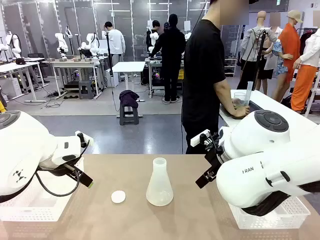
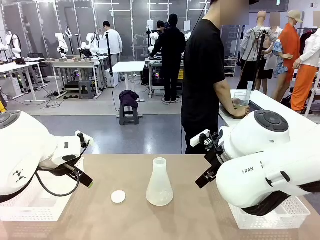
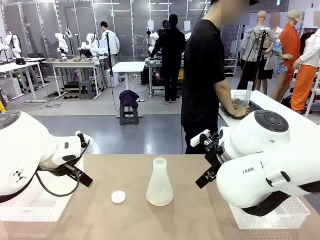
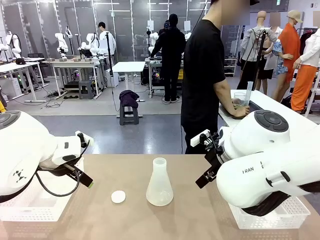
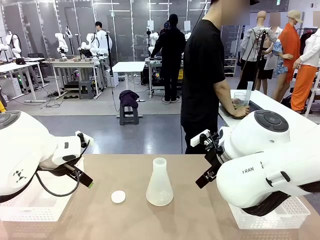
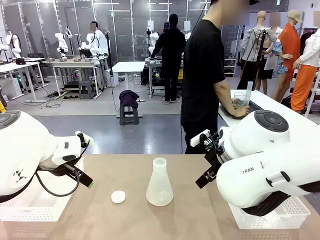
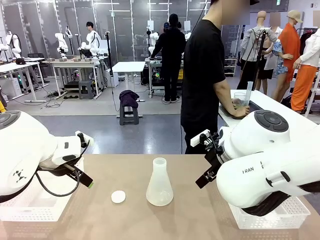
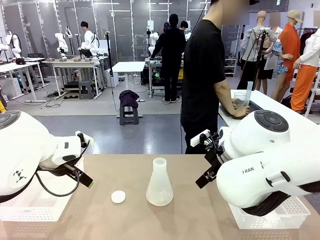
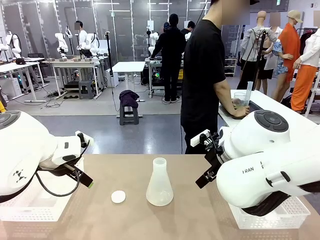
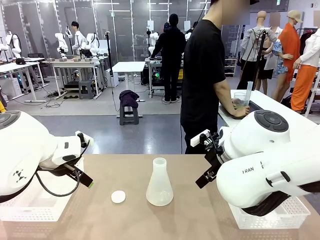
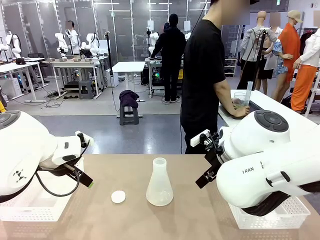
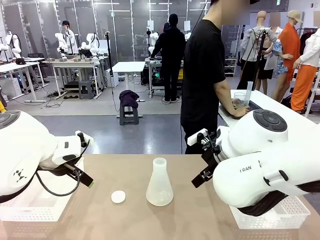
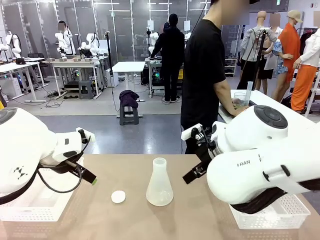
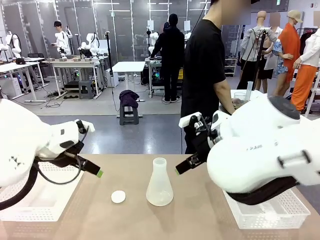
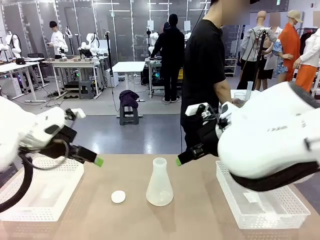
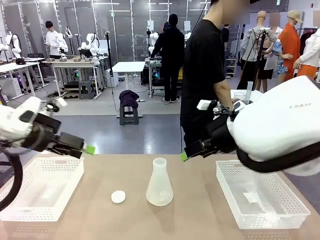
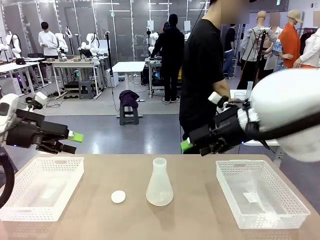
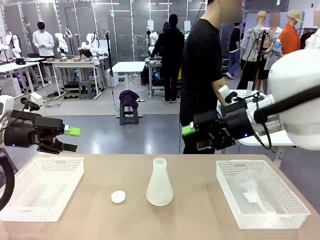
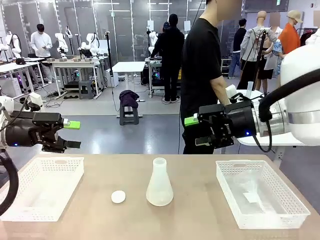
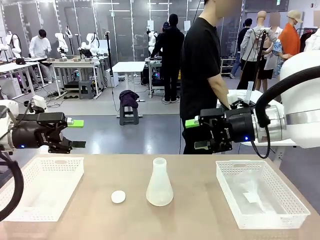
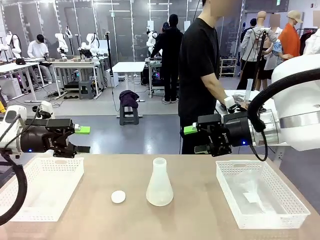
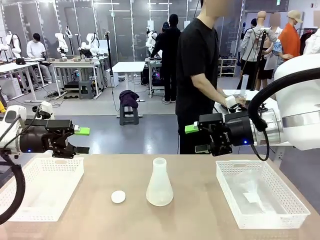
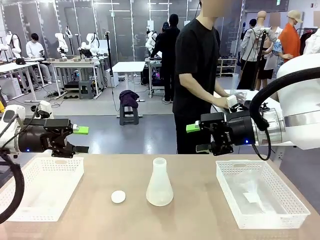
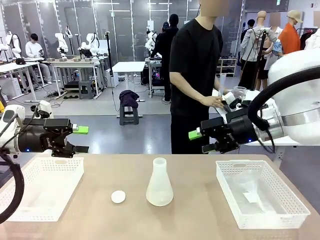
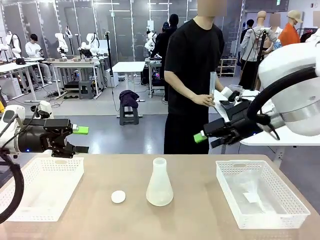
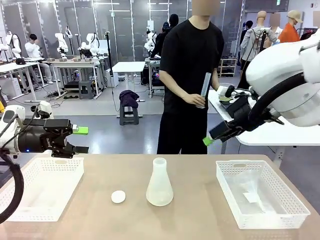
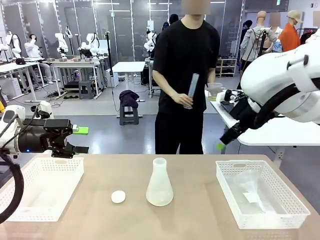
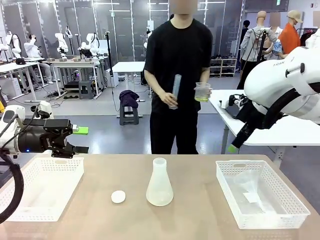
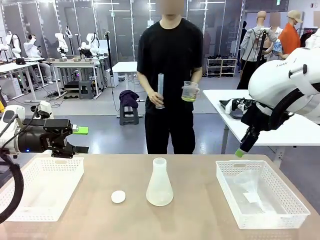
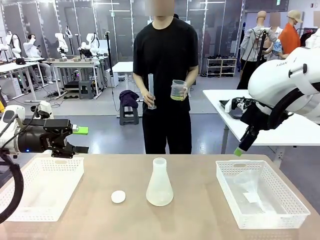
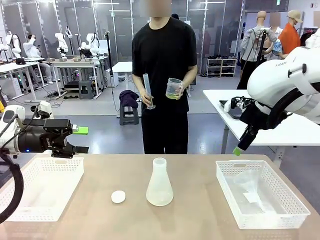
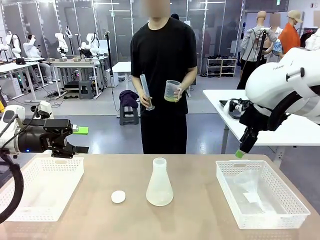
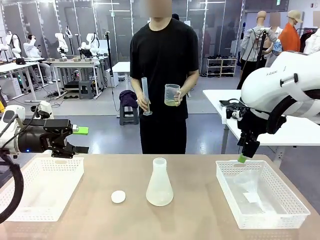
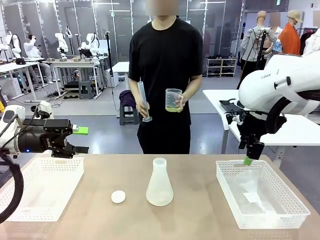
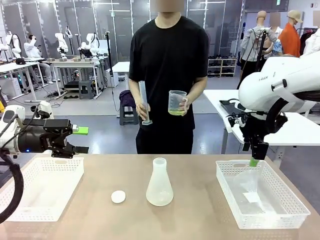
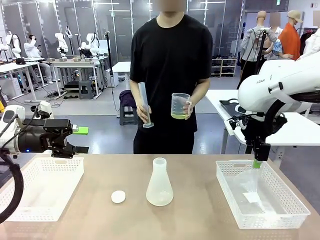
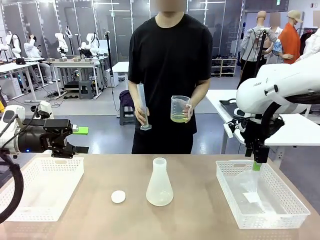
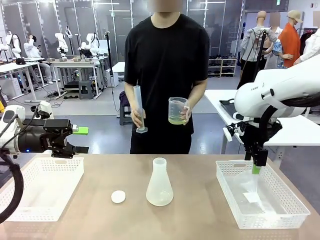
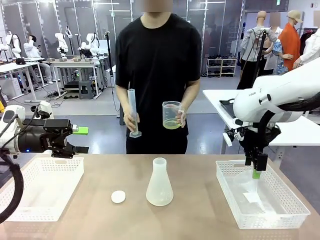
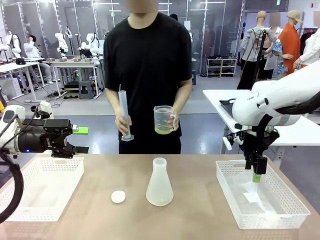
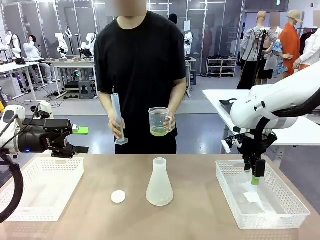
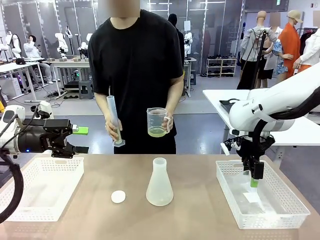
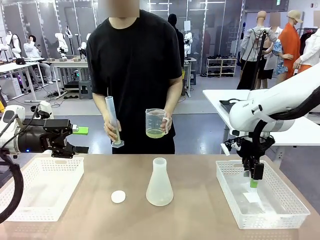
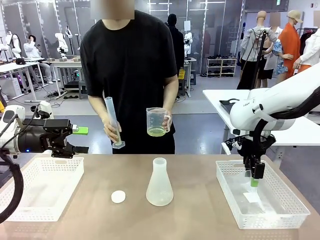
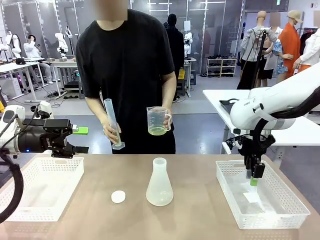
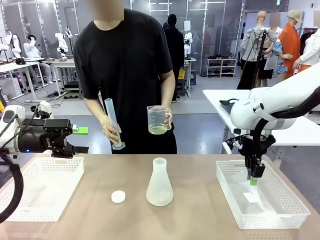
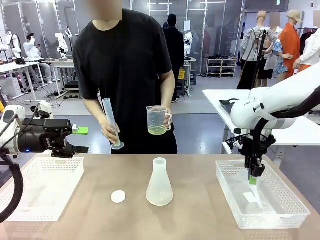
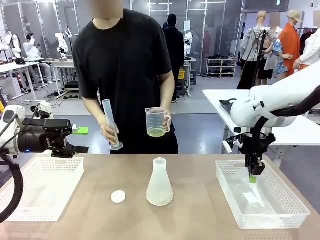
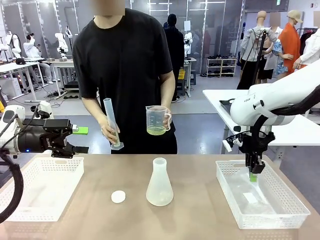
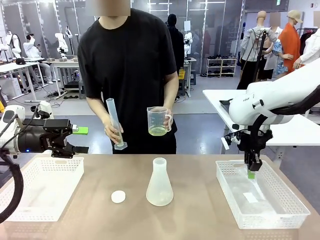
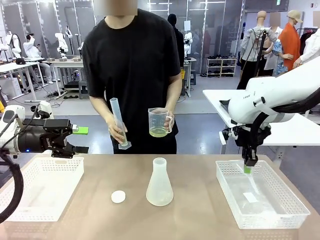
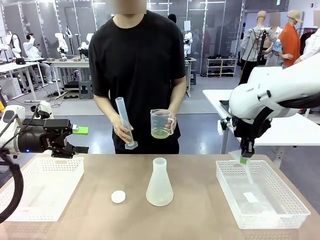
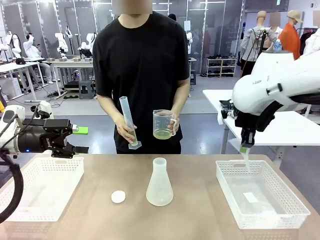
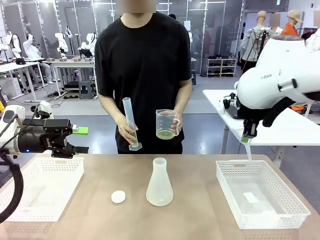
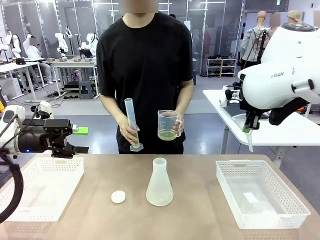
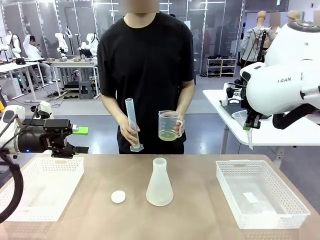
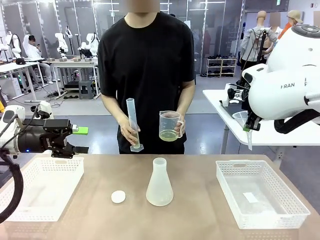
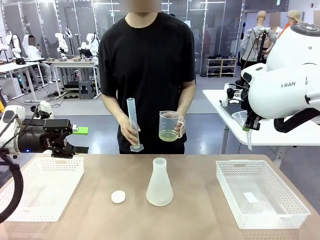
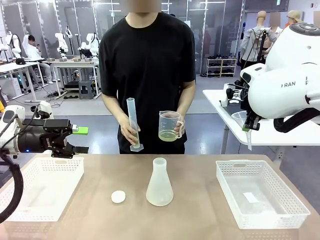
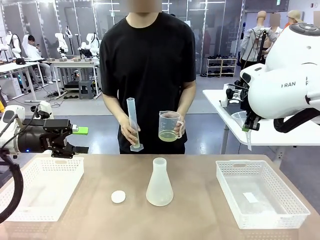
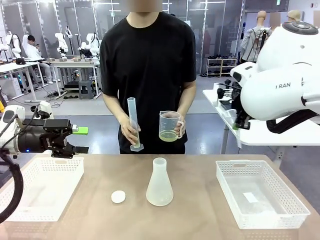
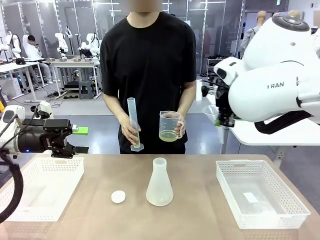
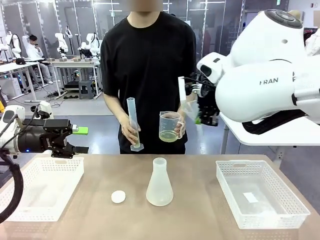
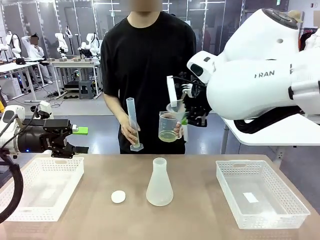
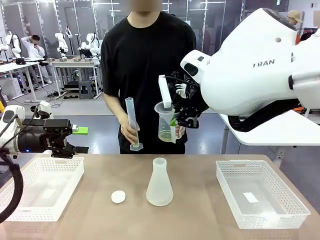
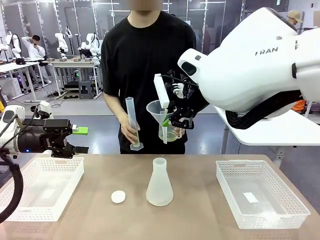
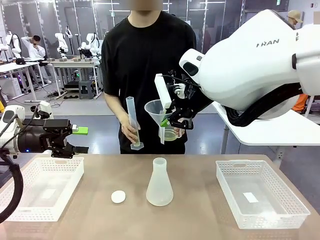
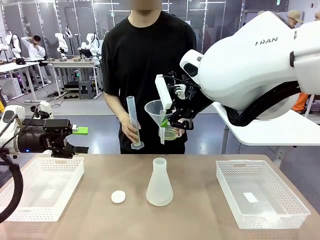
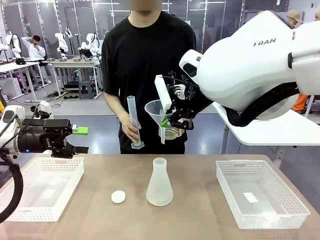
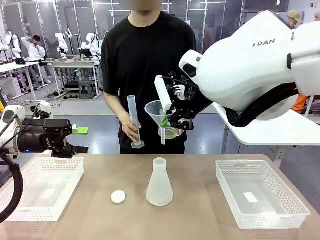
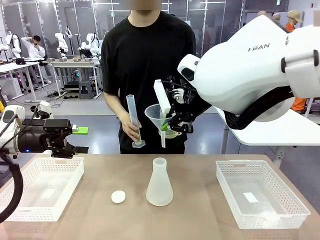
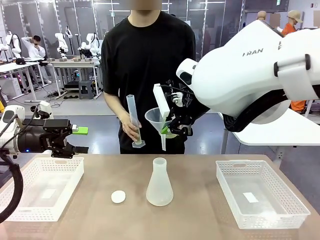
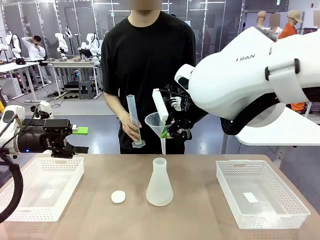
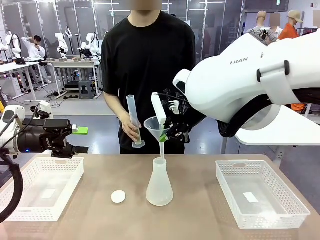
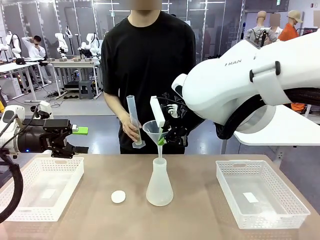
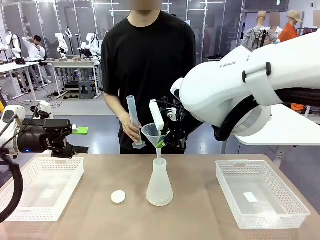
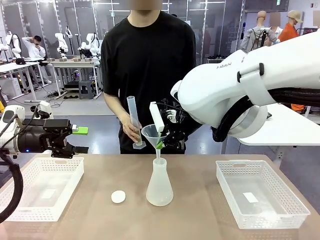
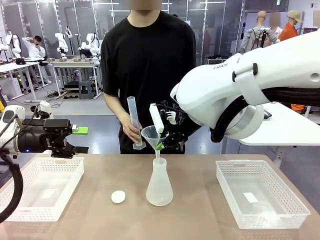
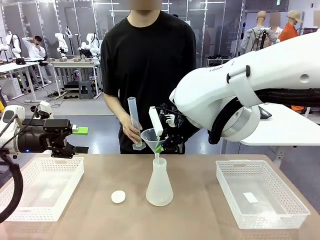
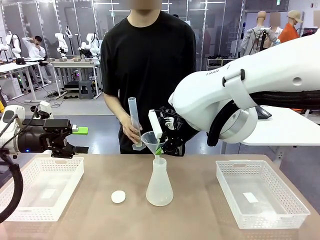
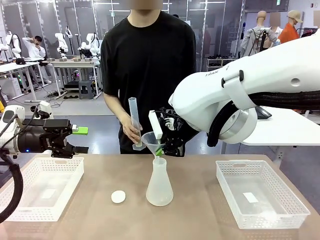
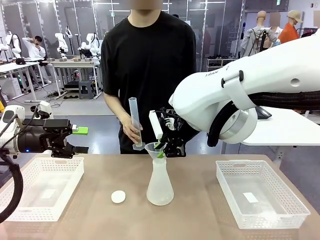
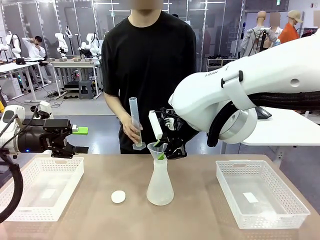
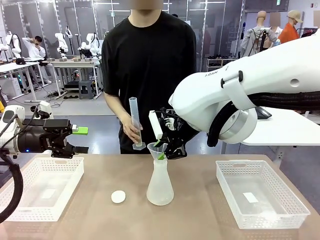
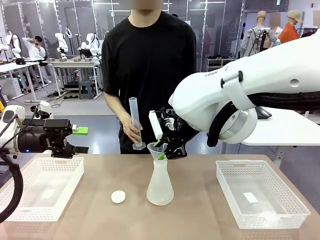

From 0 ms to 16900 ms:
Task: Prepare the solutions needed for the experiment.
Robot: Pick up the Plastic Funnel and insert it into the Big flask.
Person: Pick up the beaker and the cylinder and move to the middle of the robot table.
